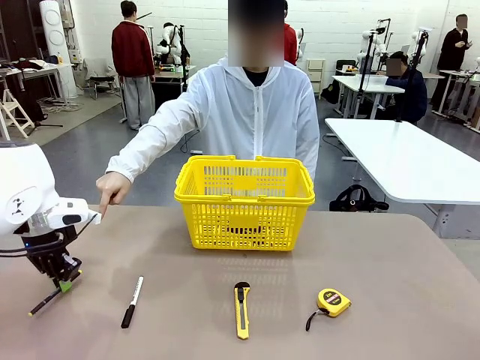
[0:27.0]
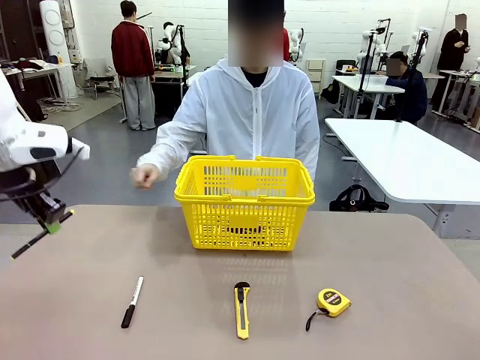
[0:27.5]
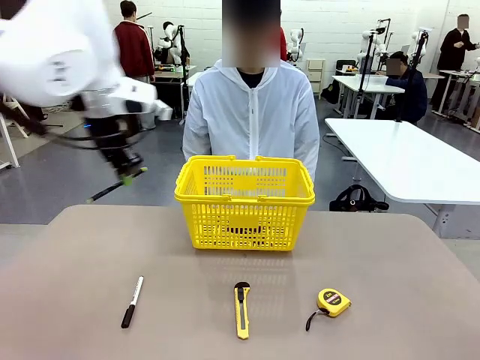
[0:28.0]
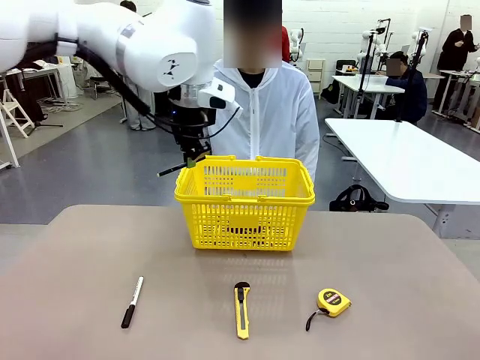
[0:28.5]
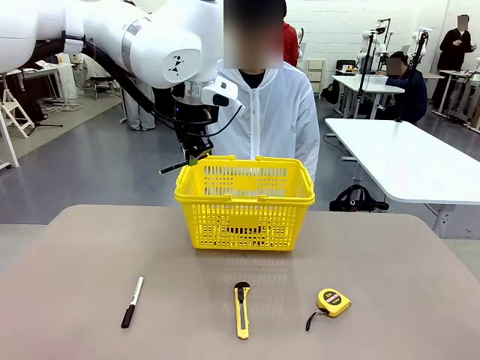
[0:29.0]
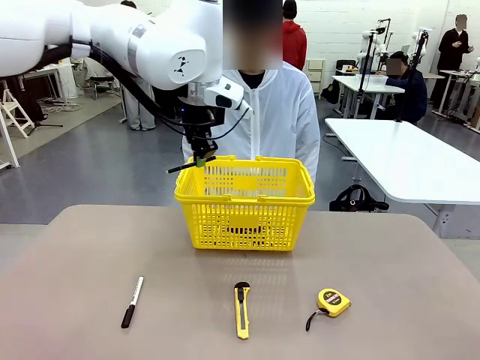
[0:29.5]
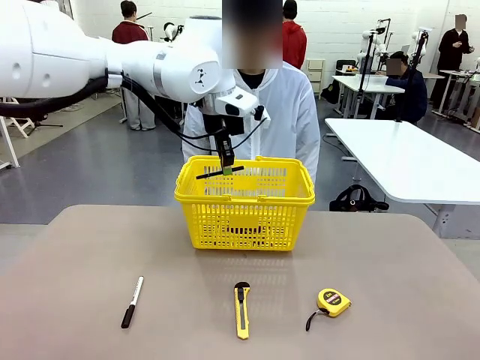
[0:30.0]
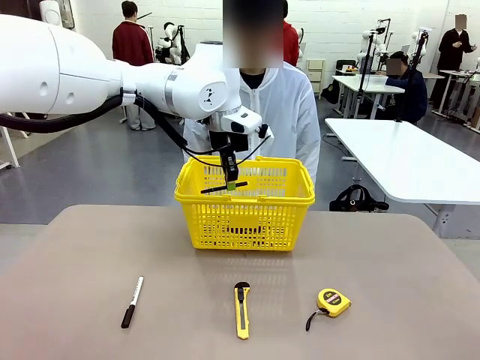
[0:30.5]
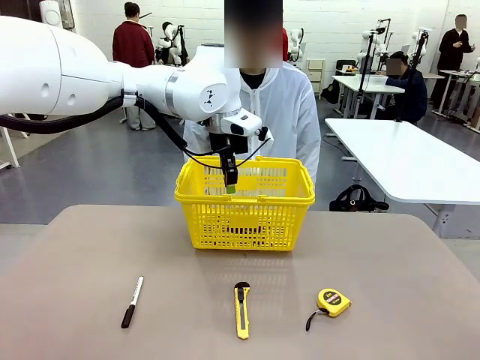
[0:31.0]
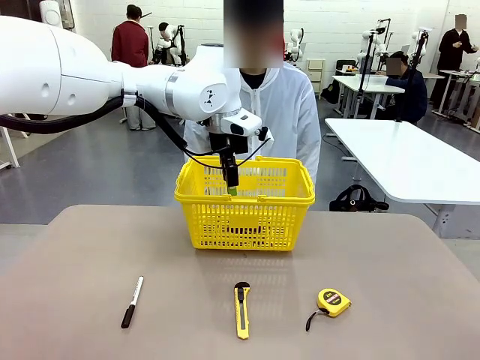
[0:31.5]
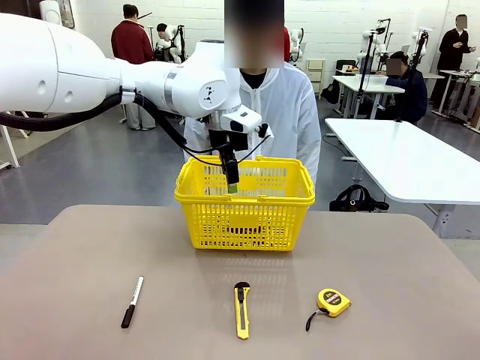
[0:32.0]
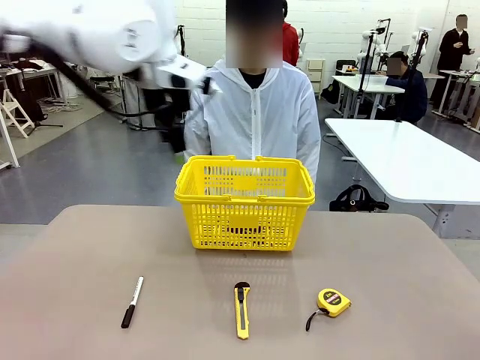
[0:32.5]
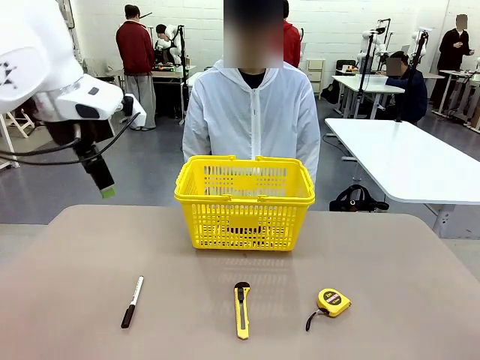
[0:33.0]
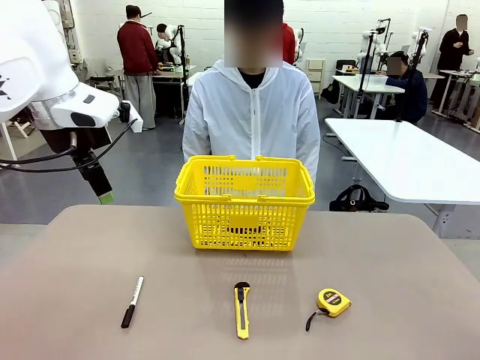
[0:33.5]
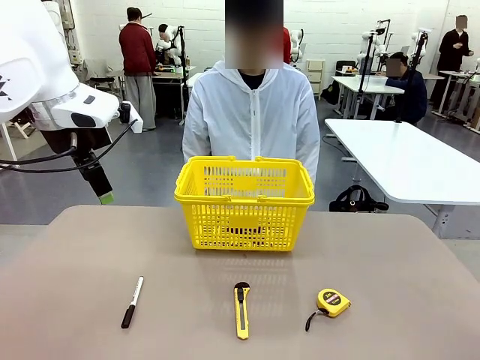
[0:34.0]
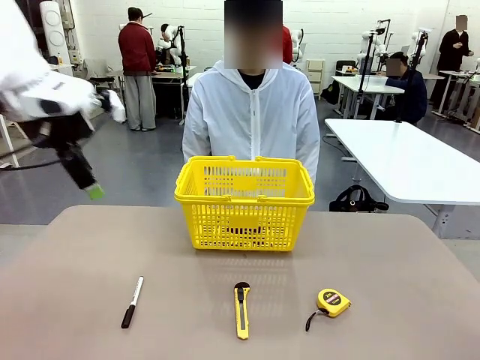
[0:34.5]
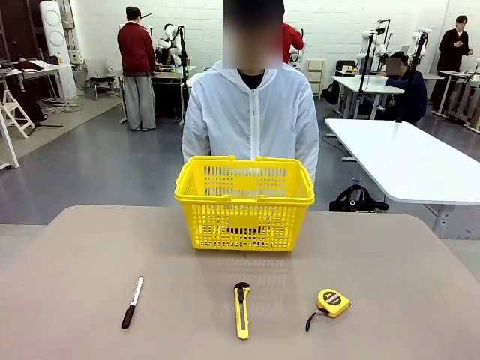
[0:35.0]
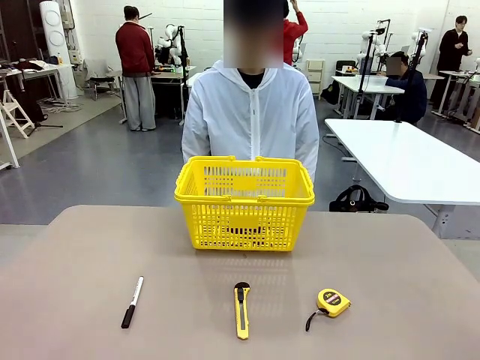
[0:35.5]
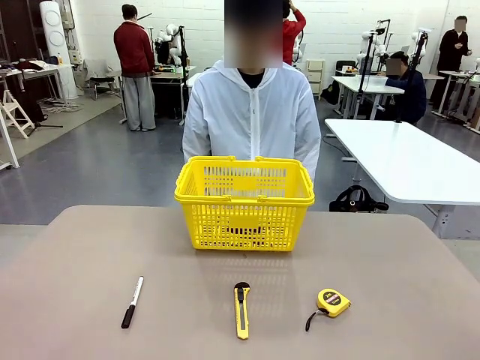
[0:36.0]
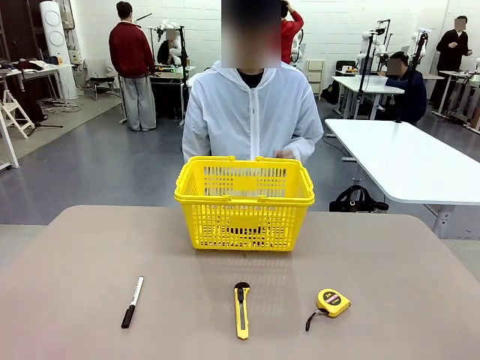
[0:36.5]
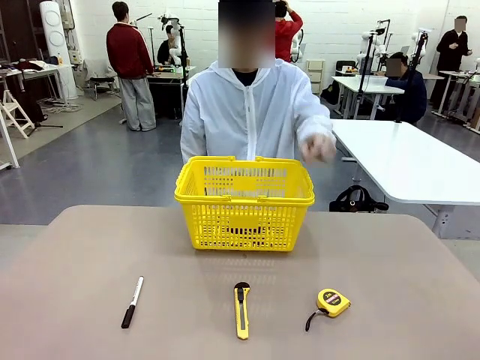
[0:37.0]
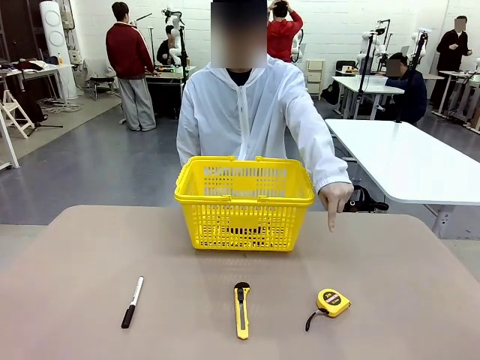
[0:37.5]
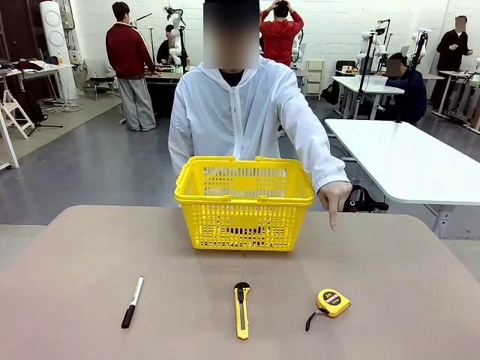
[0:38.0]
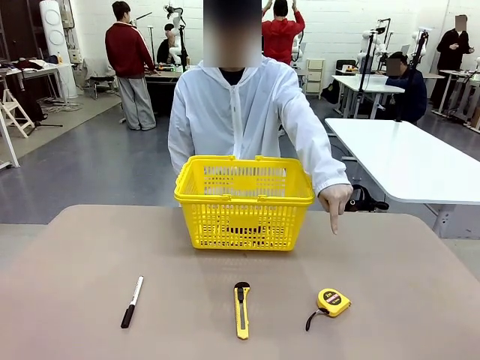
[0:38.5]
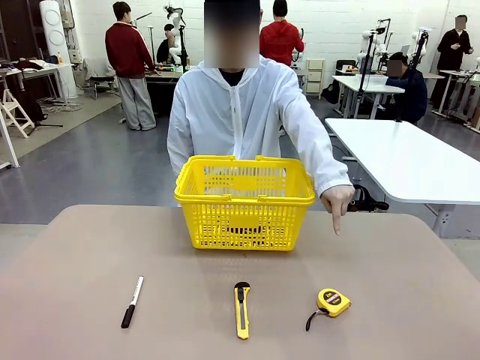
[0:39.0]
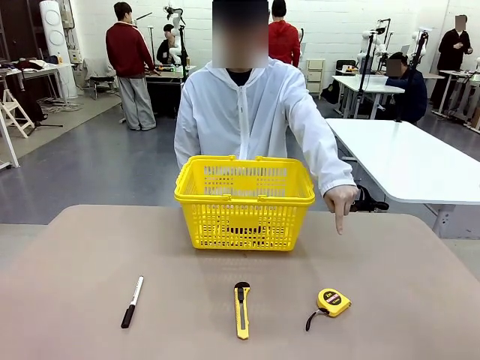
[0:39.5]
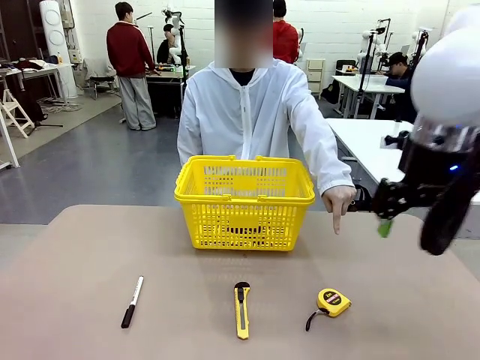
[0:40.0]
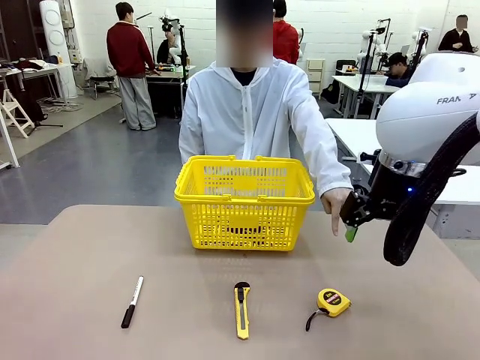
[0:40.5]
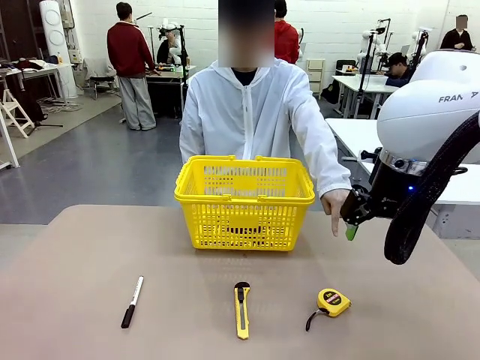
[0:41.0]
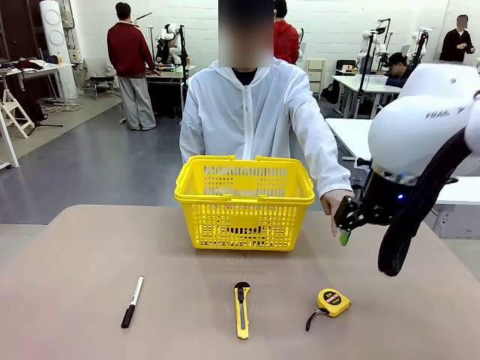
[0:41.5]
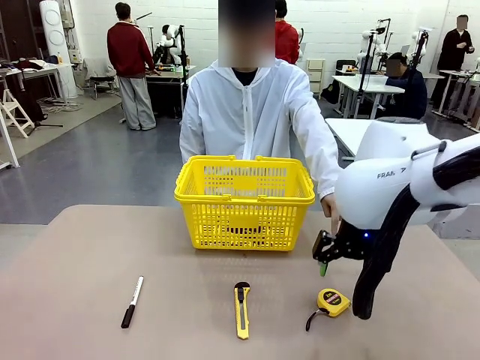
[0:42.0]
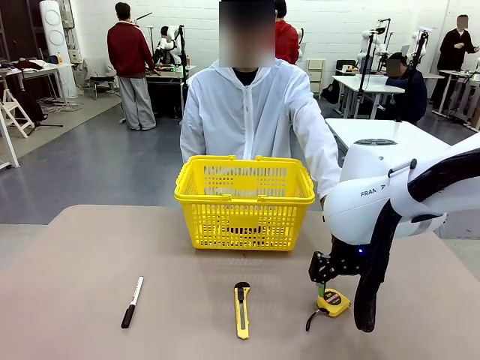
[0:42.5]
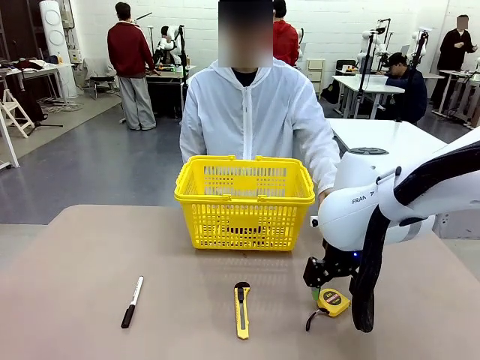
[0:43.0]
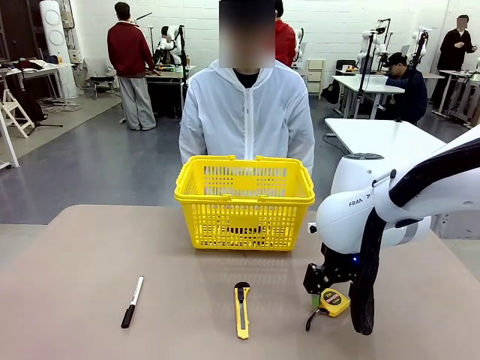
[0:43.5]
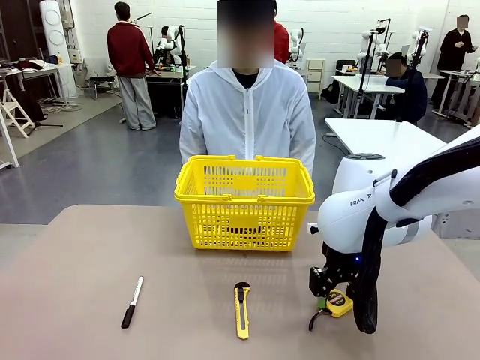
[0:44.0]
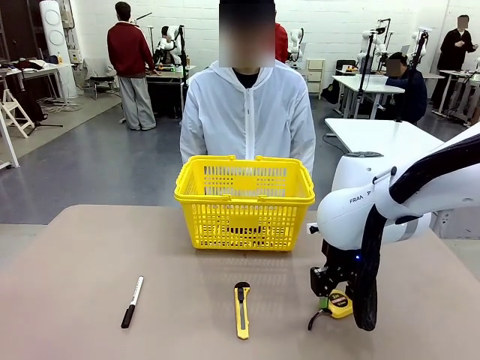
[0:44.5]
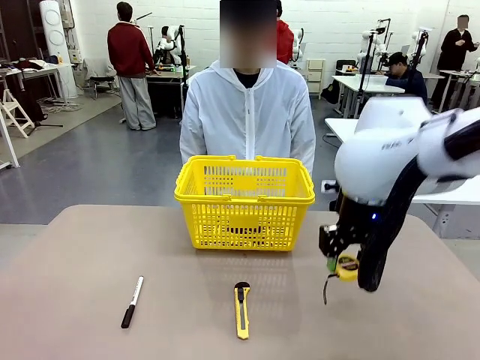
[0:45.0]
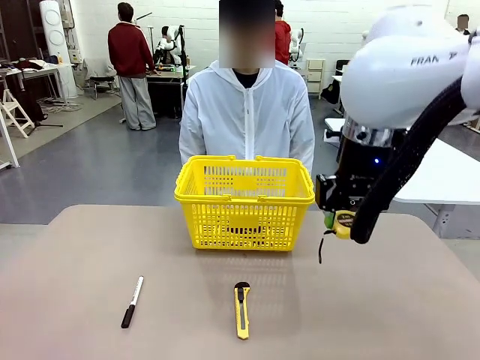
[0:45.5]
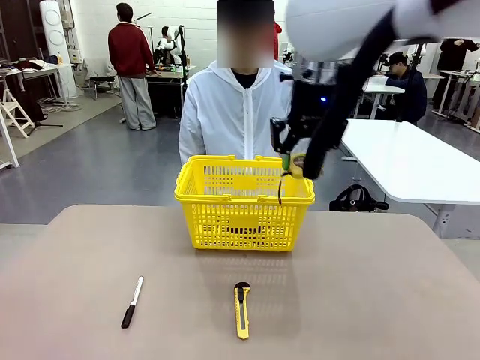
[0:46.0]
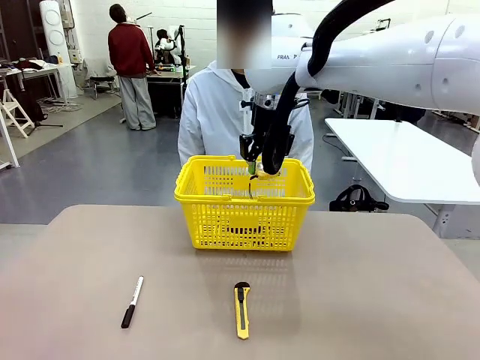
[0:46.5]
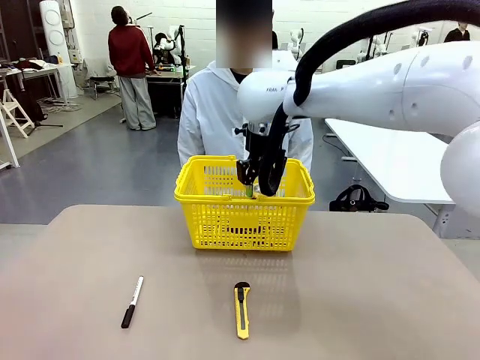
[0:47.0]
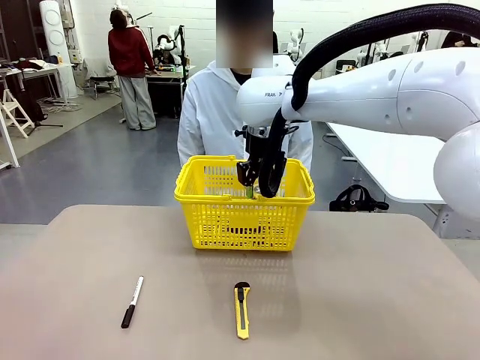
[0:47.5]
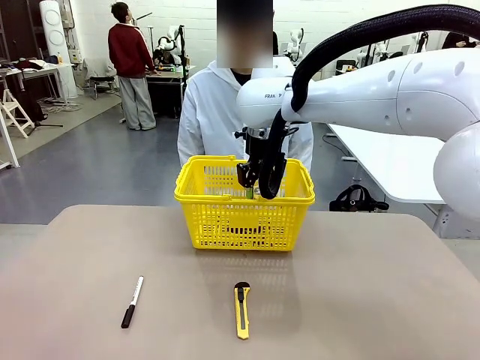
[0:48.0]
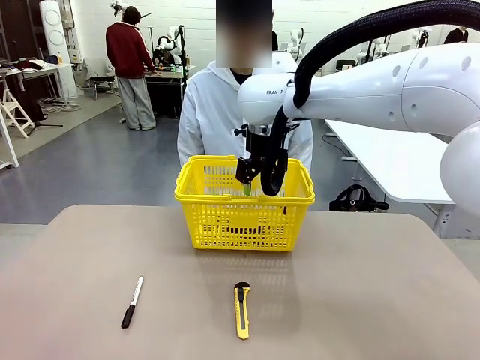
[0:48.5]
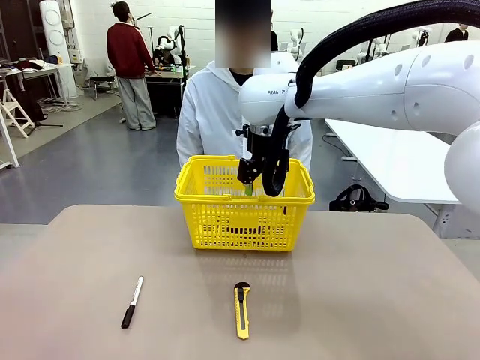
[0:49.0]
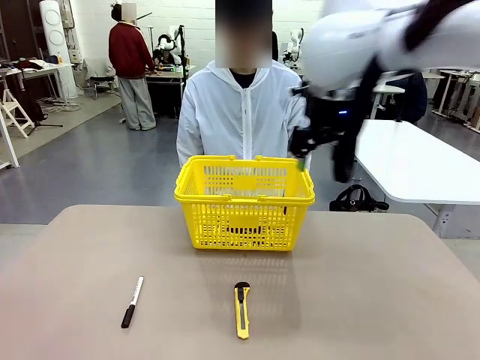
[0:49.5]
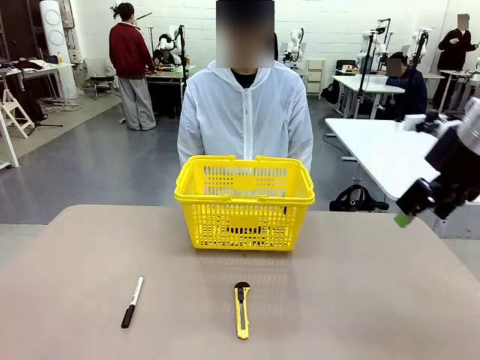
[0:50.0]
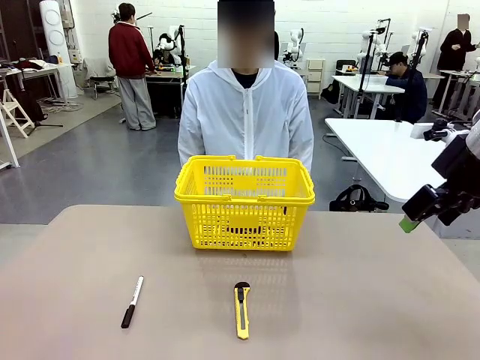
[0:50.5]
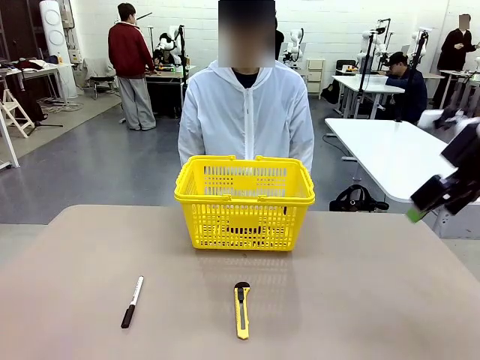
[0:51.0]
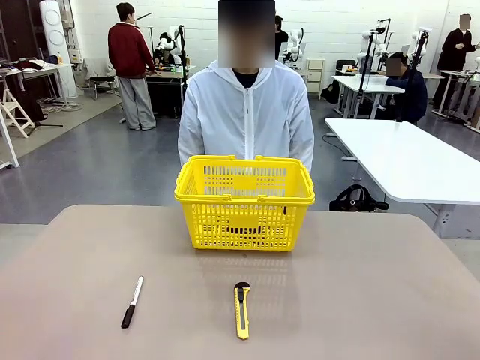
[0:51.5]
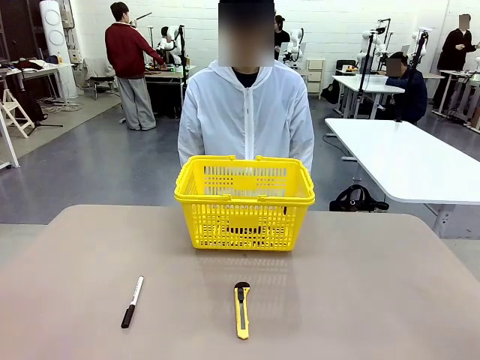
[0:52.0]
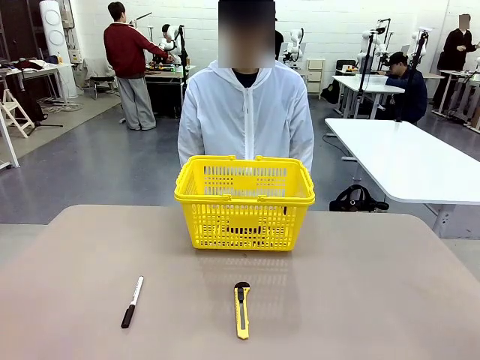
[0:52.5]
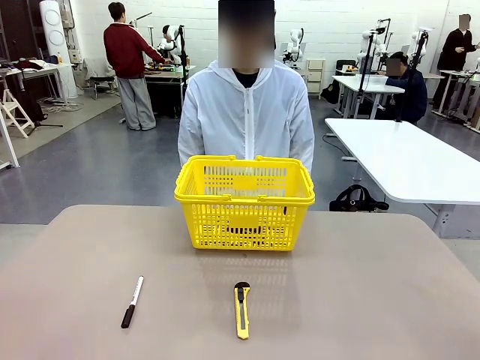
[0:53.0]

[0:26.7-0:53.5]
Task: Place the items the person wants into the basket.
Robot: Pick up the item the person points to and place it in the Market Basket.
Person: Point to one object on the table (excluding the basket).
